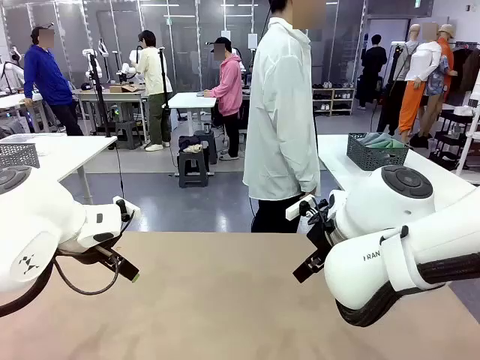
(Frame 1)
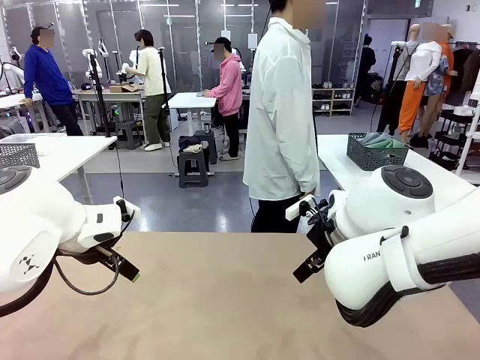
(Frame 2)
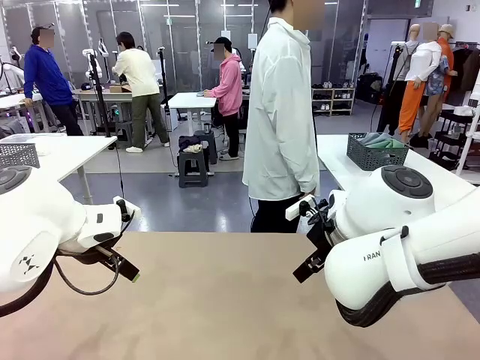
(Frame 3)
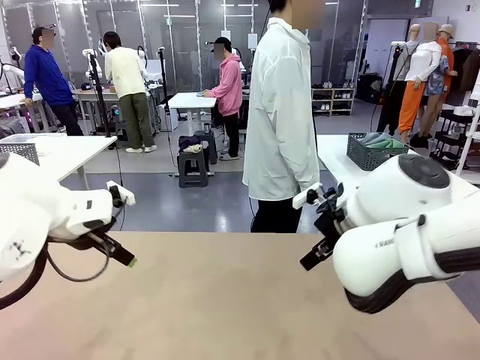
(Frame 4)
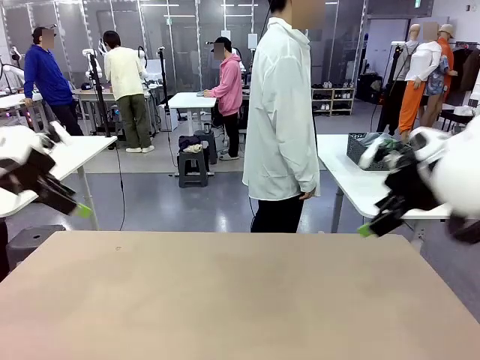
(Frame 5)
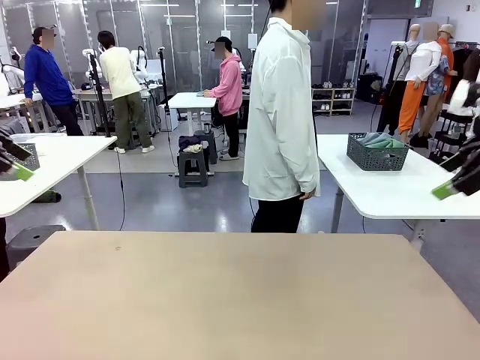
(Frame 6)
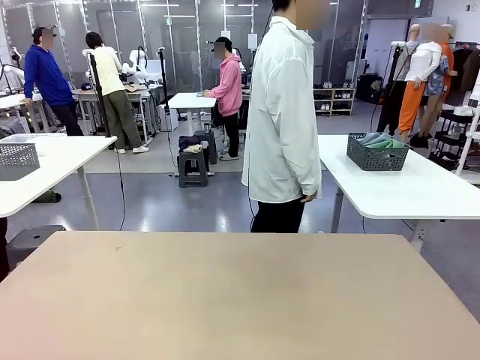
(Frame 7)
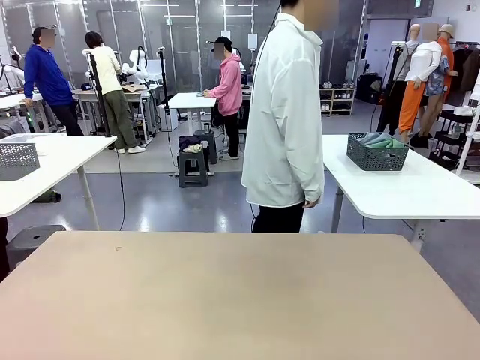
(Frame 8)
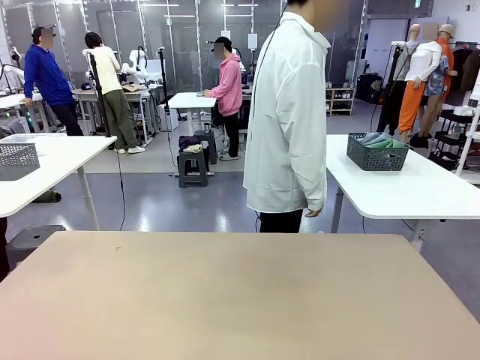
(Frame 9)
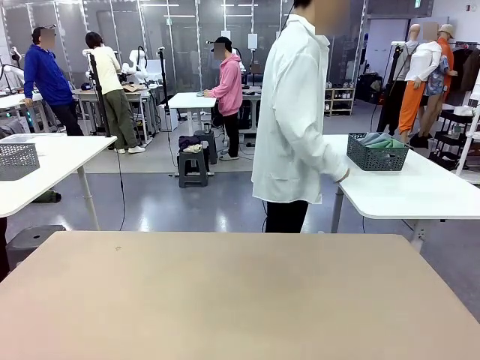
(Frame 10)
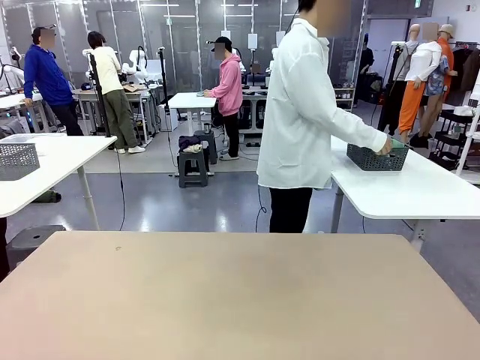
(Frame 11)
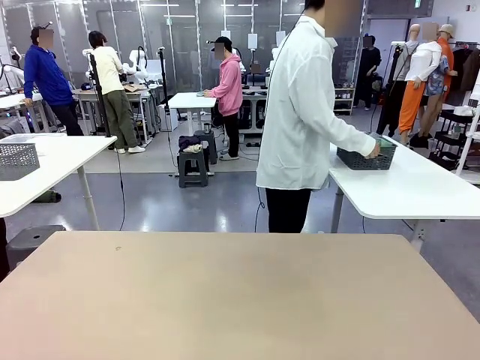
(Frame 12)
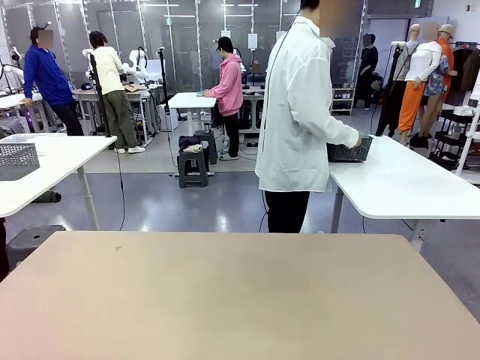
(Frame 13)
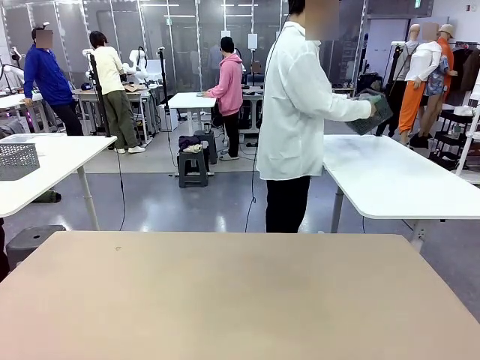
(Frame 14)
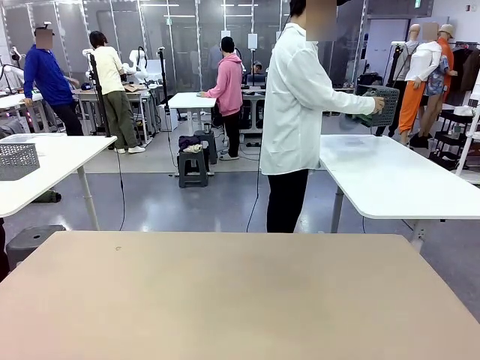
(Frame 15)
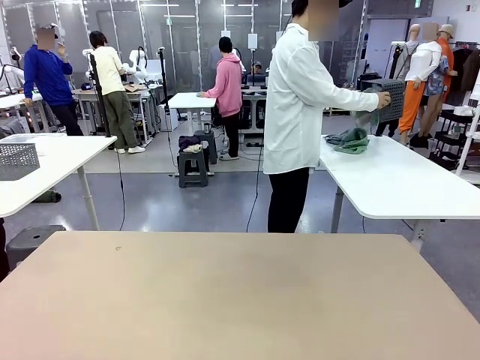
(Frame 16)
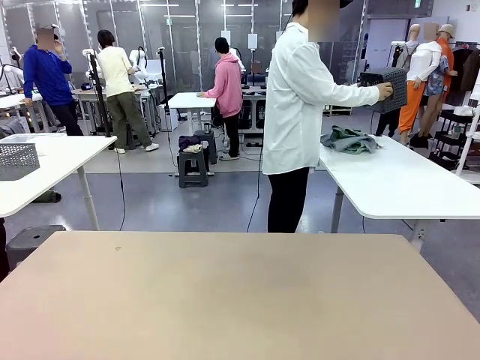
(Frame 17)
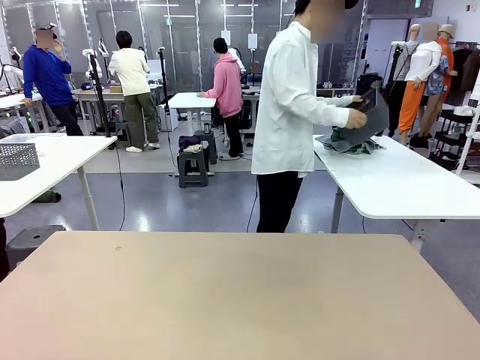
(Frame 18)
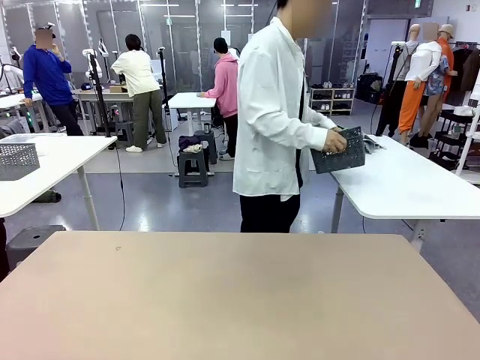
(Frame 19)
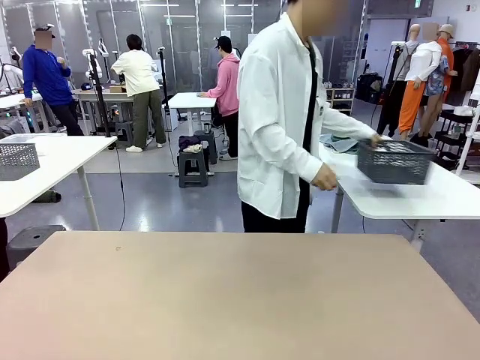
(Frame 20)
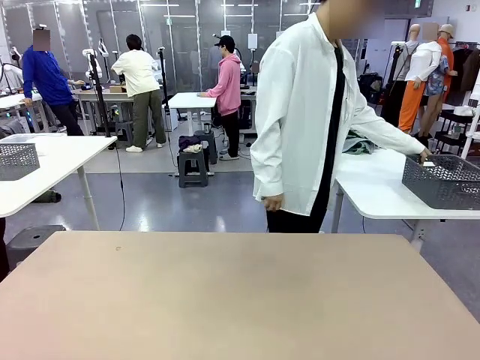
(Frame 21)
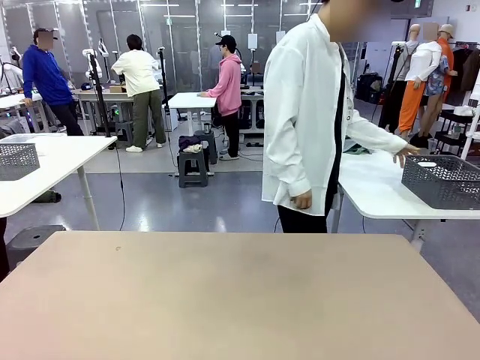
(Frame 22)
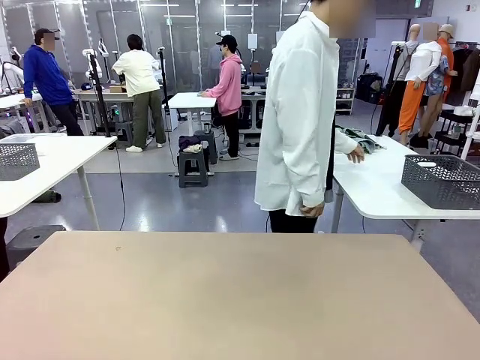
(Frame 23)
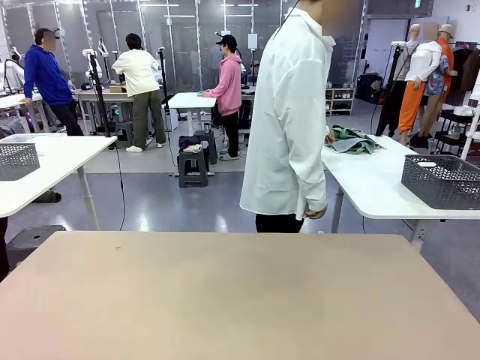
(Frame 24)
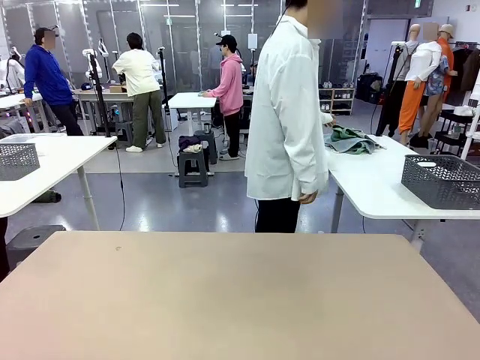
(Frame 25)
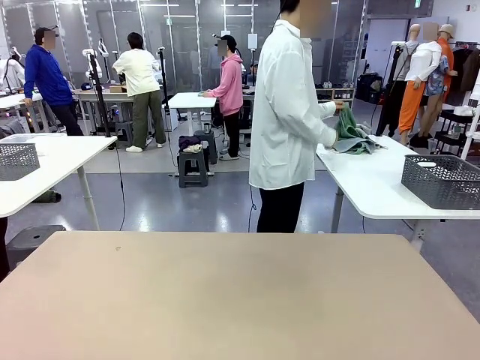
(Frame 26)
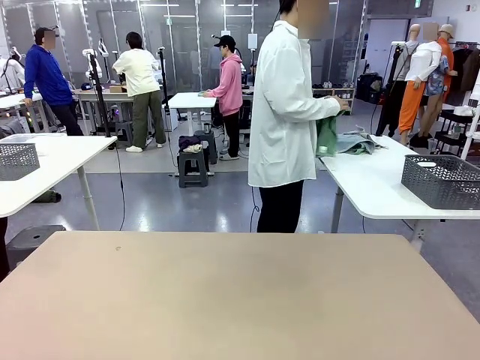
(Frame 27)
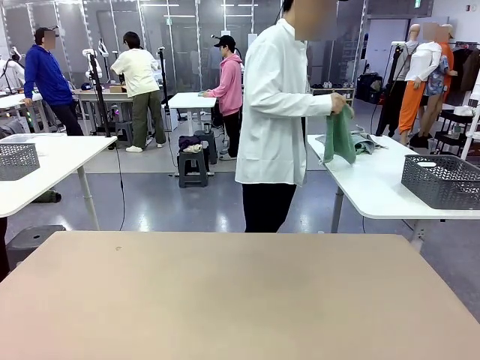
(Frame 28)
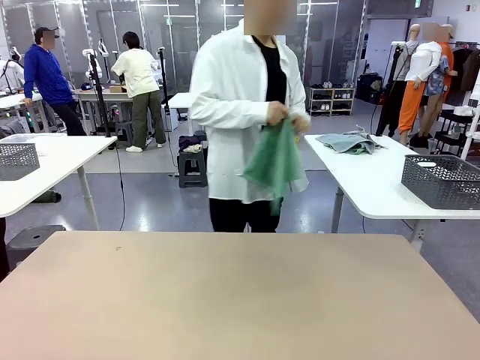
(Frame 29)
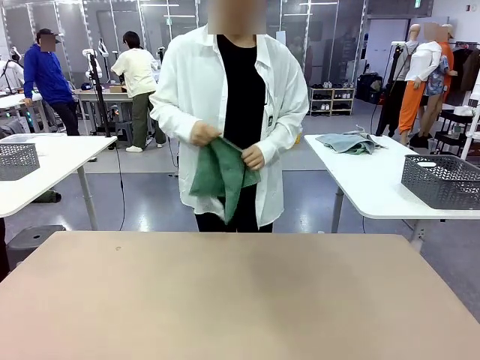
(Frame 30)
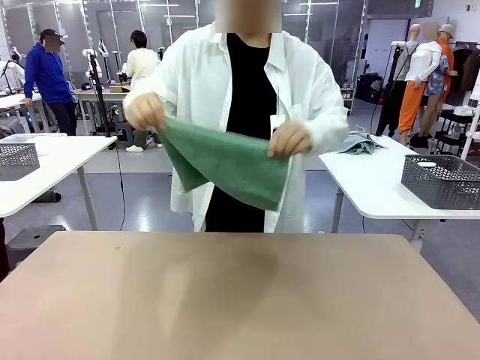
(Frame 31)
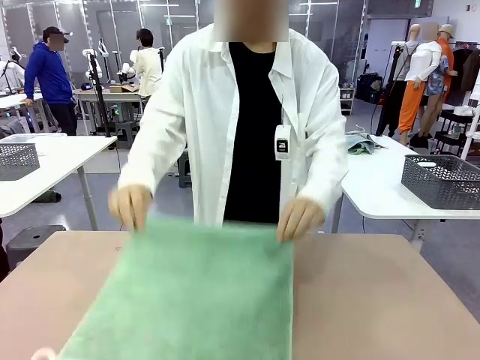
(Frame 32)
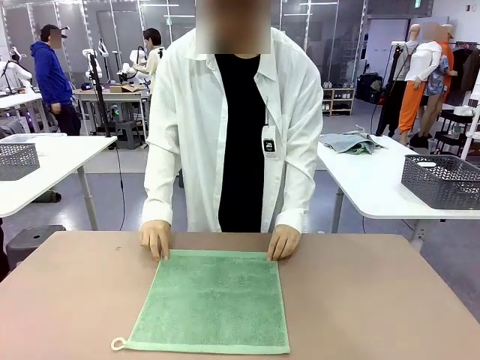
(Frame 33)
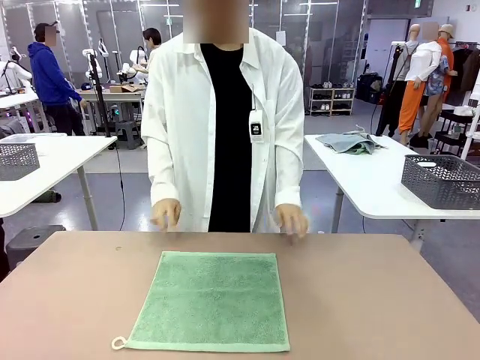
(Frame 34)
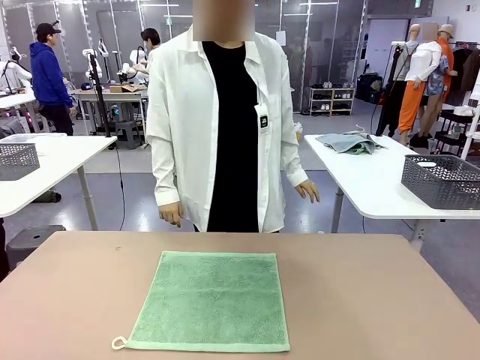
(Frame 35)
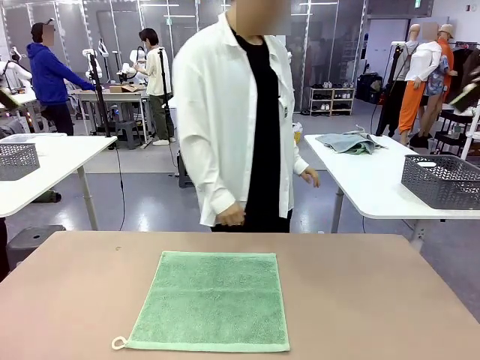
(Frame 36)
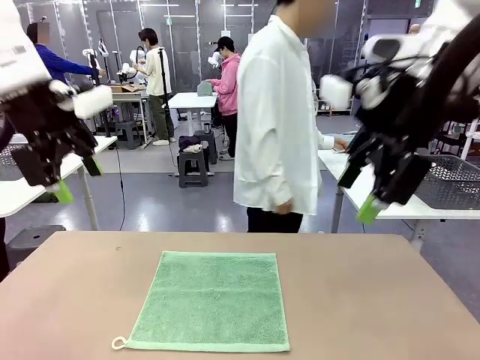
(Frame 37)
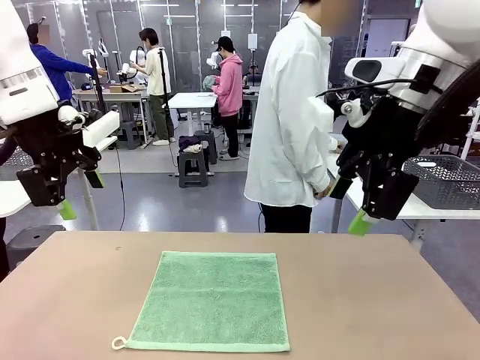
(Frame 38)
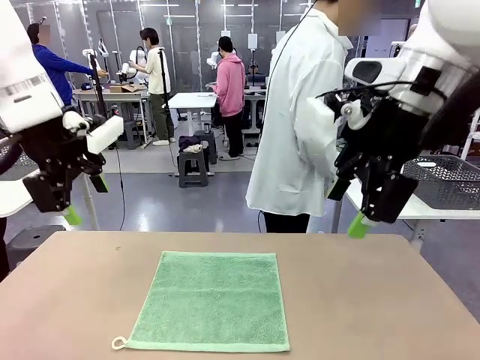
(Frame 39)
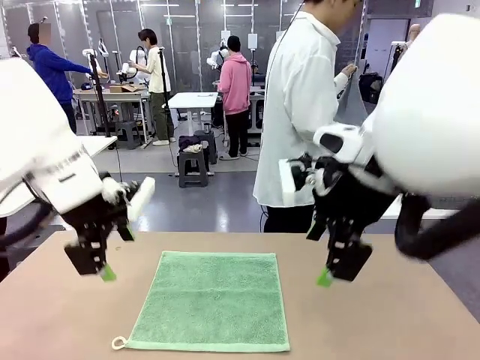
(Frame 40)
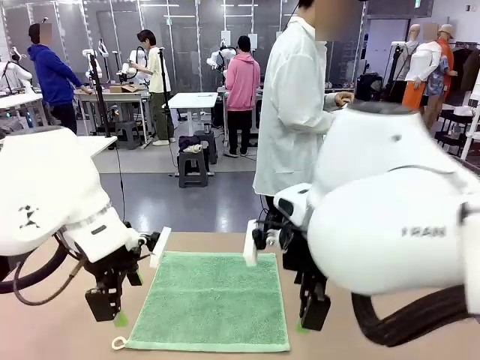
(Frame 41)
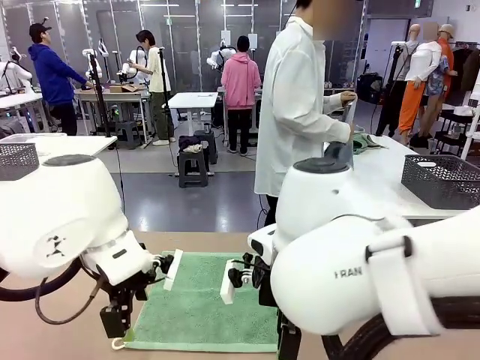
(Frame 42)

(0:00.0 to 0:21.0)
Task: Fold the towels and place them in the basket.
Robot: When a person lays out a Towel with hook on the table, fold it in half twice.
Person: Pick up the basket, pour the towels onto the left side of the human table, and place the basket on the right side. Pick up one towel and spread it out at the center of the robot table.
